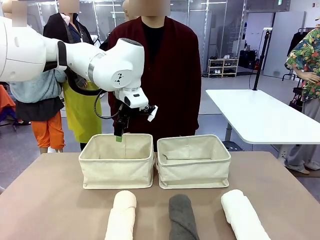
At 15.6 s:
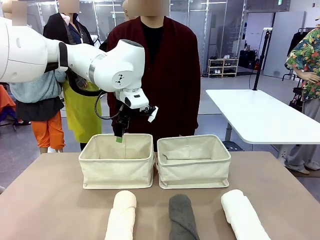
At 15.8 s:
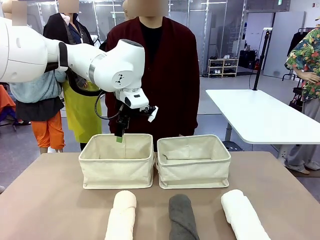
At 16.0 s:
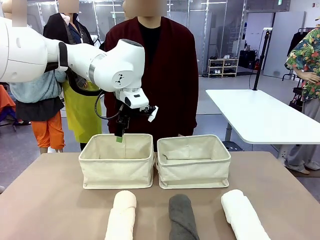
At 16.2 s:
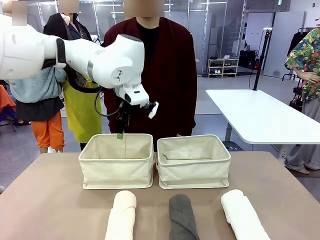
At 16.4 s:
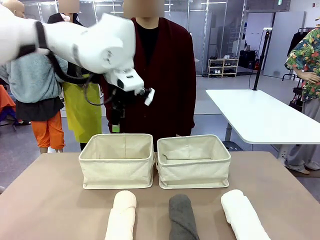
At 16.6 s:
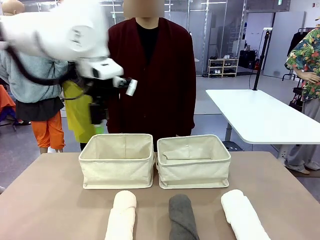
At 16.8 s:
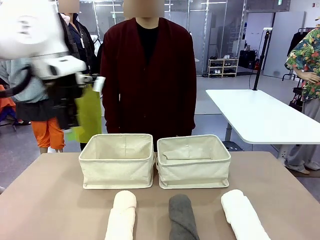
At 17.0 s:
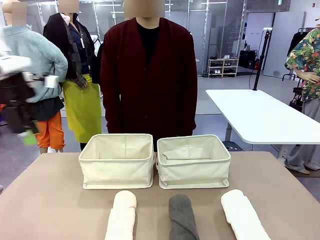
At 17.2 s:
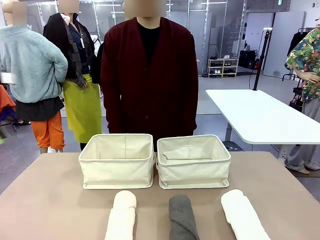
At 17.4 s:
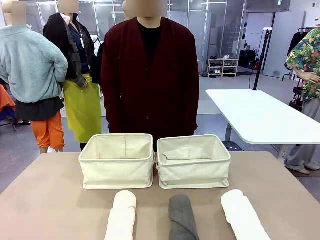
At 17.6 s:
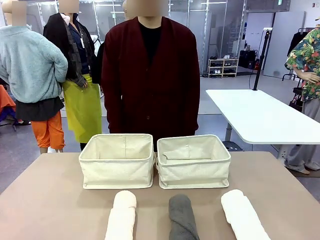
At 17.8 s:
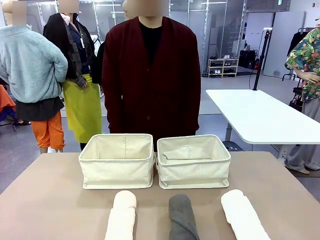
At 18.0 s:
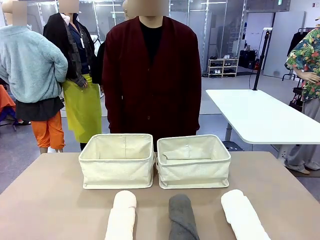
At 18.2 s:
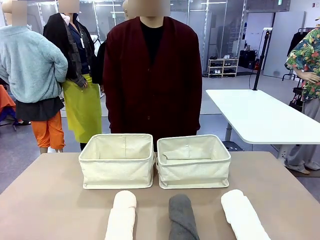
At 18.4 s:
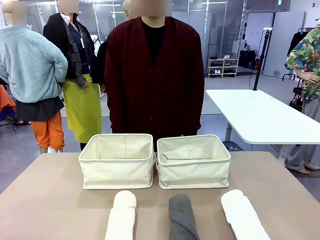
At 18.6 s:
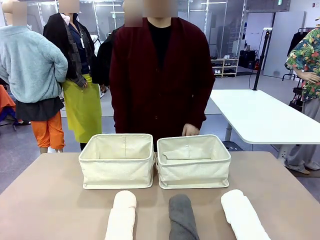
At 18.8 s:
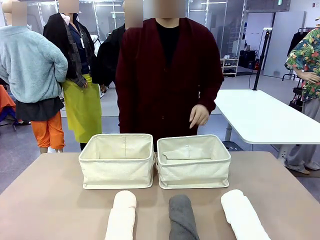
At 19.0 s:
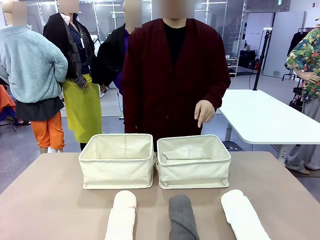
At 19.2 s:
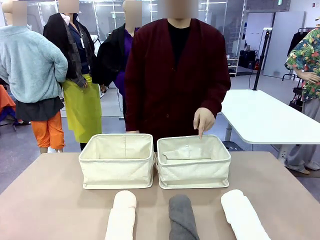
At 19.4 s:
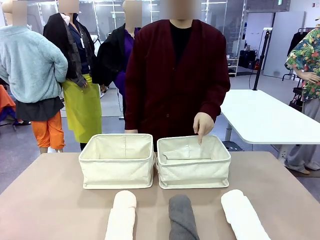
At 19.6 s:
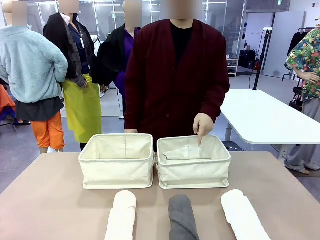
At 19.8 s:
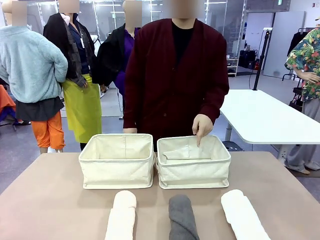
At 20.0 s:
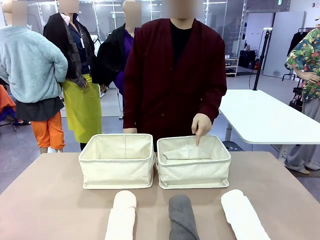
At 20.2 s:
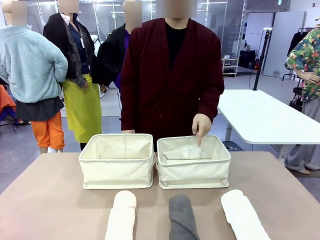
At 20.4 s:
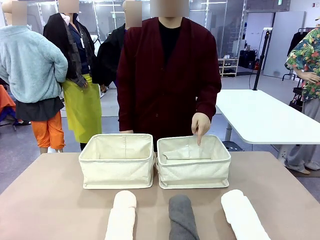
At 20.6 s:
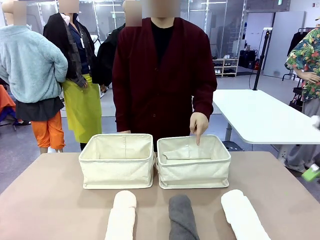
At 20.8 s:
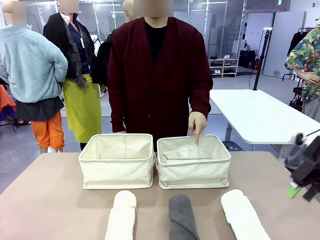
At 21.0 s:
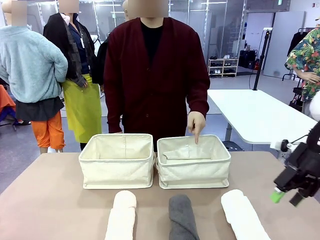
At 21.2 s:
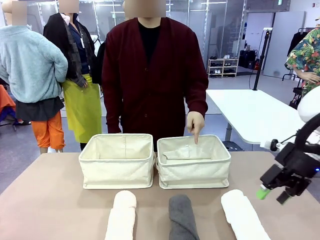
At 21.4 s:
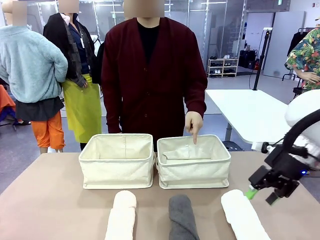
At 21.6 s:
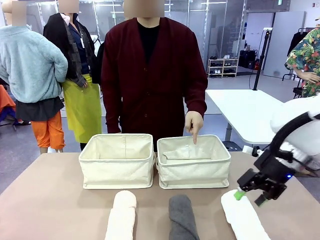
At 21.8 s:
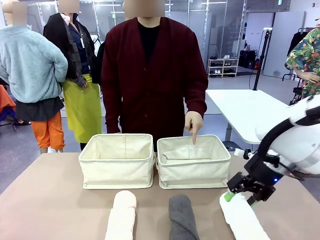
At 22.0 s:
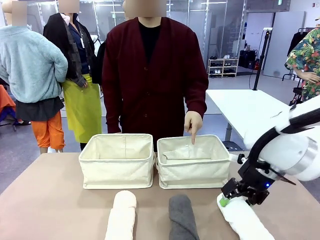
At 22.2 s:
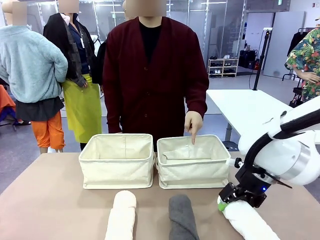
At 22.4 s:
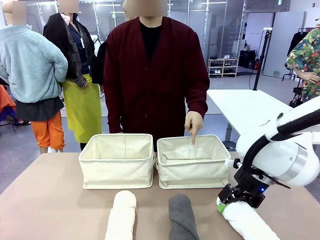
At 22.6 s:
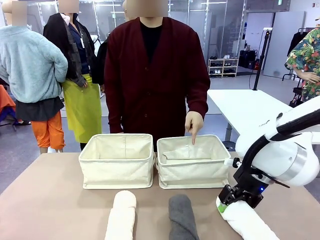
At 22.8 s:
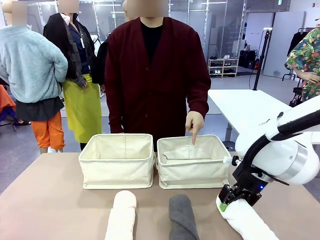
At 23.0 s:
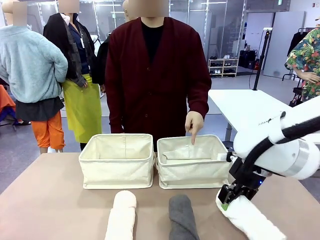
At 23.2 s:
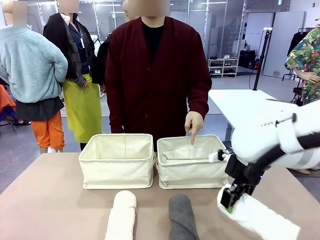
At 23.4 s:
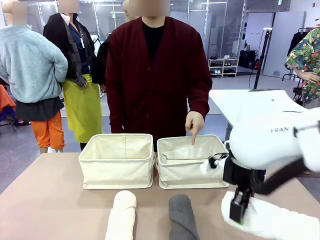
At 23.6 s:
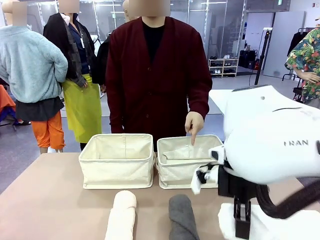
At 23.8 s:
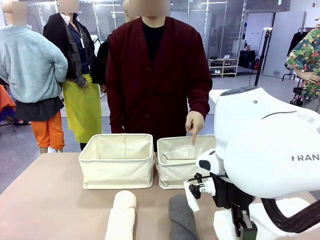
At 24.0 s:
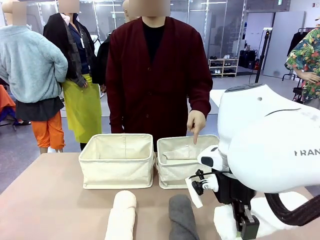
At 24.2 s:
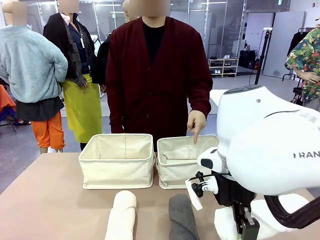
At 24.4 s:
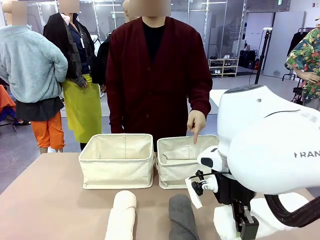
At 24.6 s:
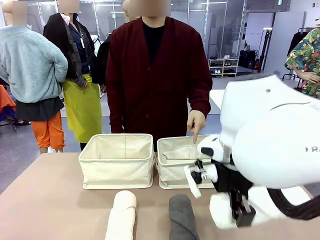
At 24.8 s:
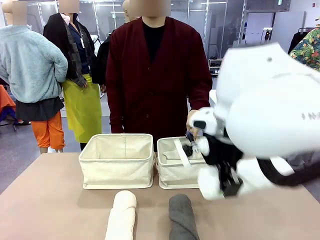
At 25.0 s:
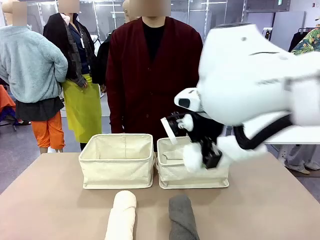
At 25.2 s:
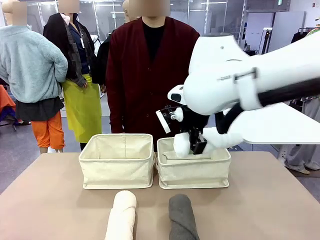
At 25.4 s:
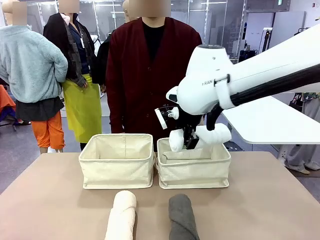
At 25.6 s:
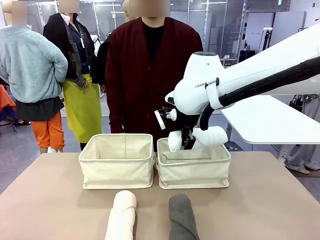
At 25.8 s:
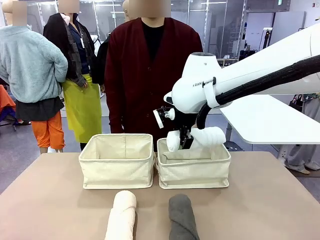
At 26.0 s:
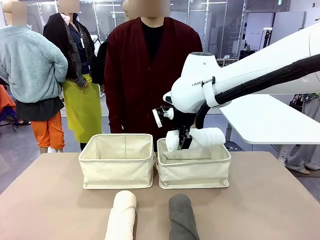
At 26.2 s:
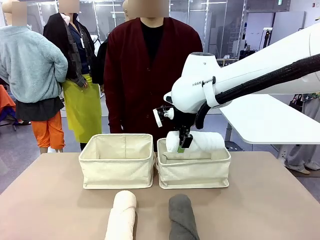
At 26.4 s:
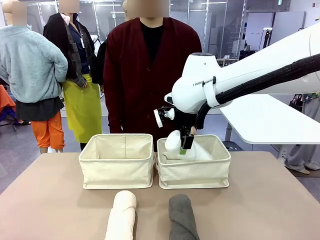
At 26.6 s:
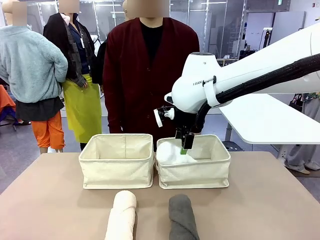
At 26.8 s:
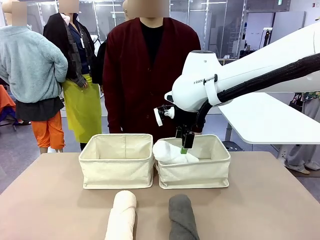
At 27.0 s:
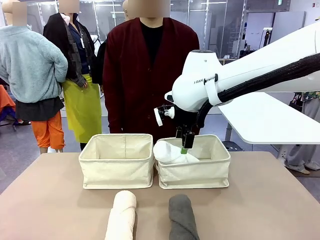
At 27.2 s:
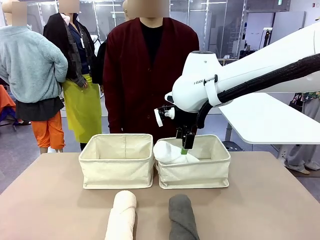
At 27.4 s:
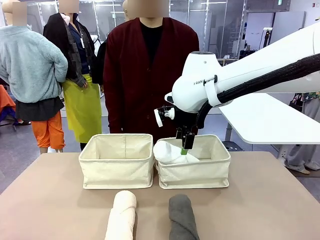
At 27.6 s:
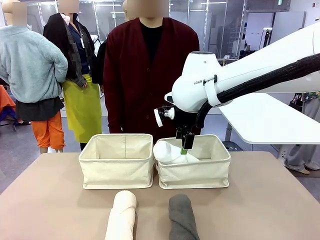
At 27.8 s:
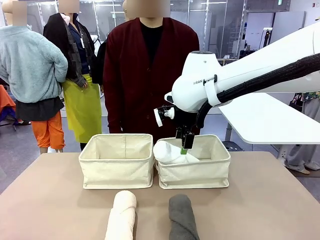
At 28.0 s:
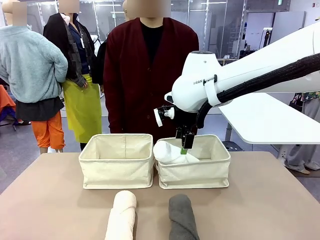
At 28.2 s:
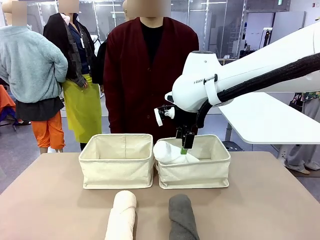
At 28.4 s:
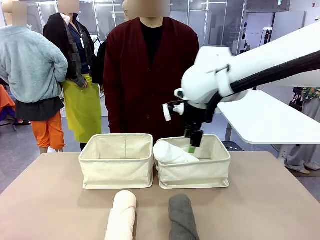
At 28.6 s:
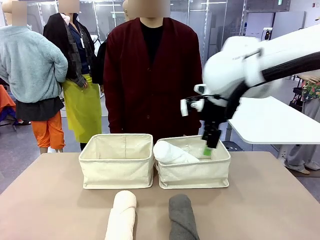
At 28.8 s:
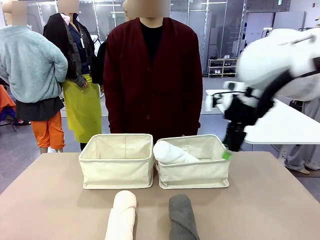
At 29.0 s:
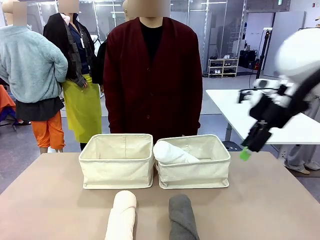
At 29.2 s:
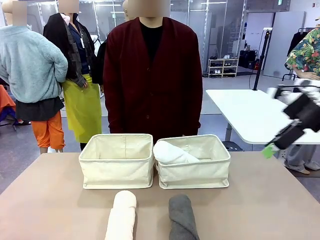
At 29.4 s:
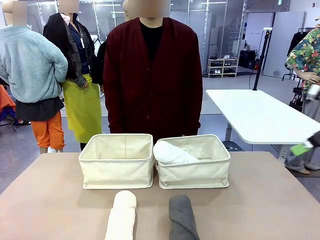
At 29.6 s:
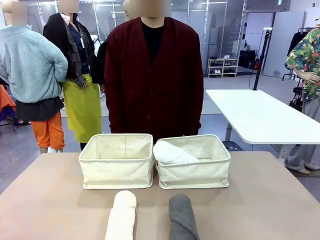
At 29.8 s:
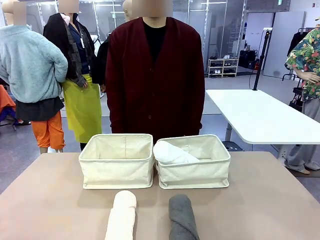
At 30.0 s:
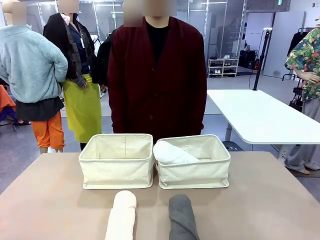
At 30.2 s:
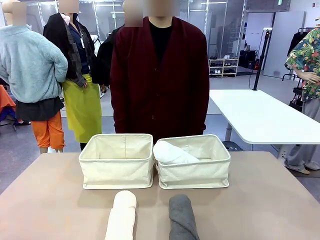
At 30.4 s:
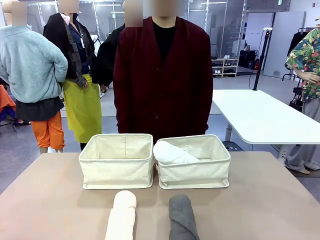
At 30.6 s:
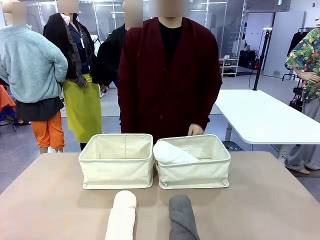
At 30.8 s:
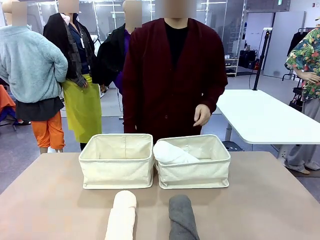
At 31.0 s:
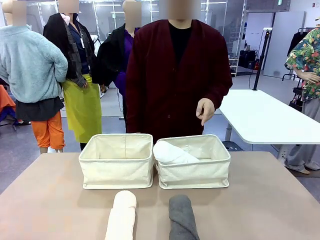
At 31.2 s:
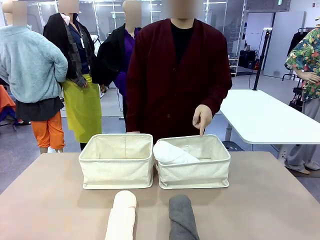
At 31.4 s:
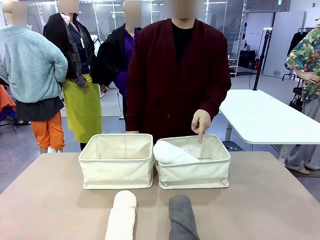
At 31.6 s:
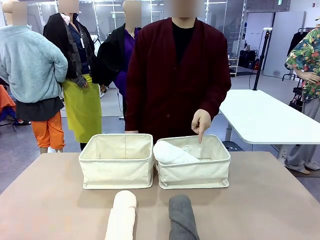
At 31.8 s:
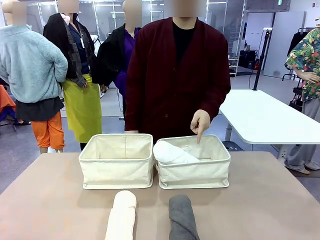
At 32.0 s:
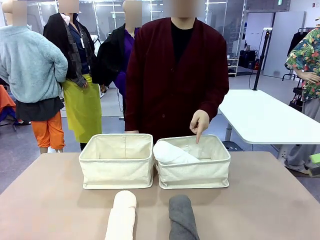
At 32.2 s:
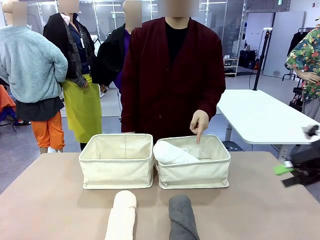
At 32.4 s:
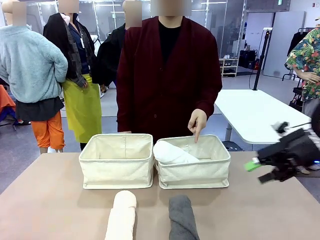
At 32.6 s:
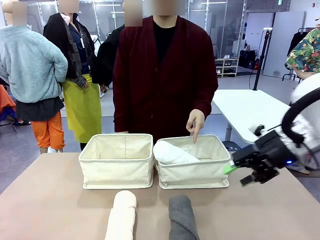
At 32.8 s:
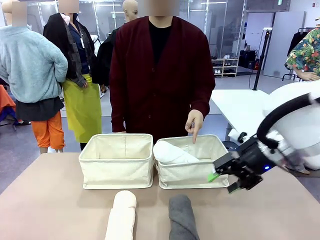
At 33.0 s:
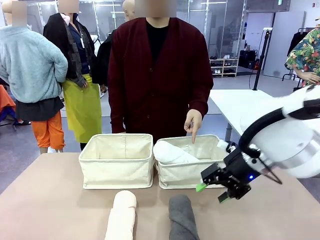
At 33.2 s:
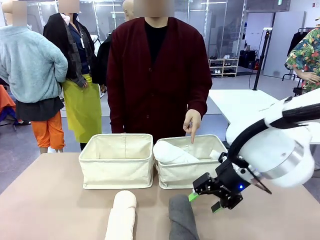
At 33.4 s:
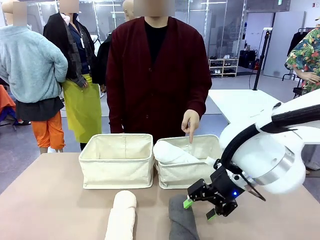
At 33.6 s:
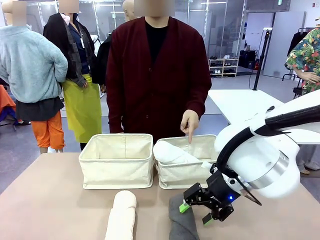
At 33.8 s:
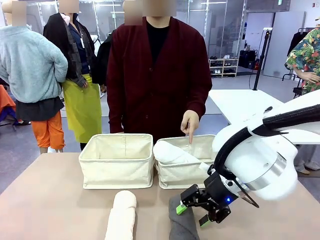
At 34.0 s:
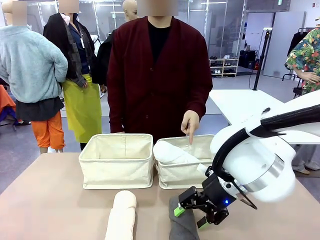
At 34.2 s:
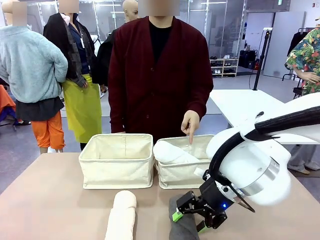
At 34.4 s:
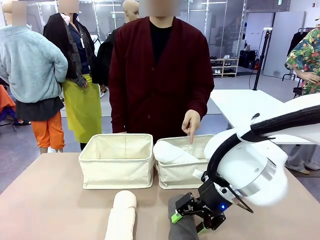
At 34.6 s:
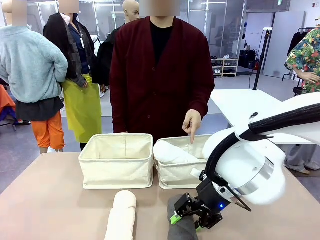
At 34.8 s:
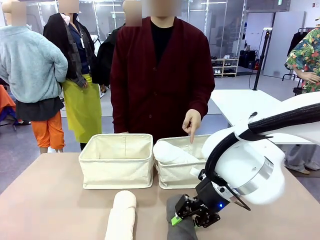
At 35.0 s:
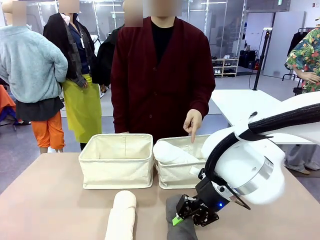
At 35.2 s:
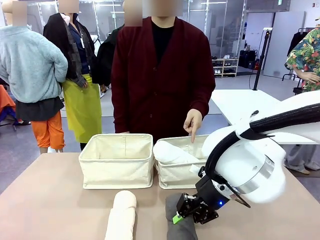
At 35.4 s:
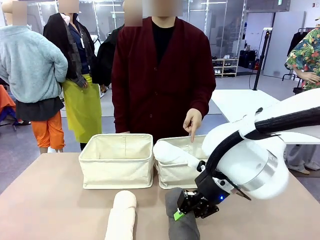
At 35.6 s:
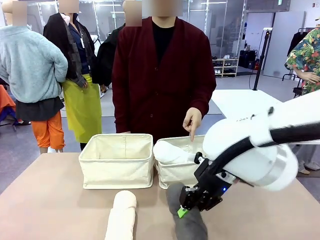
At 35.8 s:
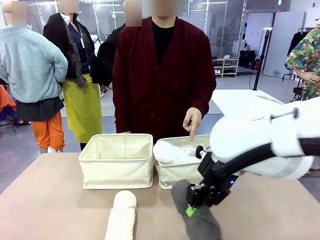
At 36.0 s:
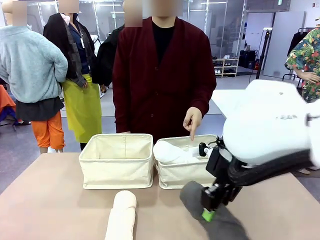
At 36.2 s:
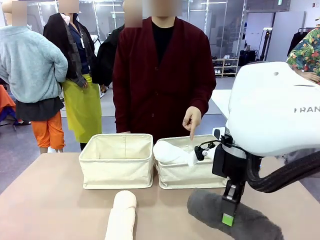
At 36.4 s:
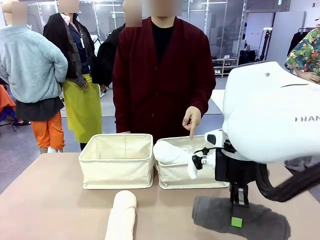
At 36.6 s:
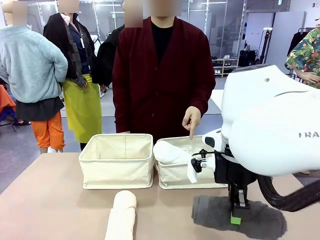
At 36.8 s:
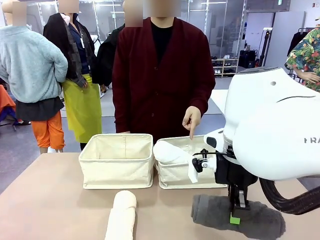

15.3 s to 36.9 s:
Task: Divide the towels into two baskets.
Robot: Pick up one hotel-folded towel from the bottom of the table and place it in the Fabric basket indicated by the person.
